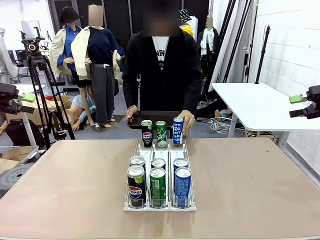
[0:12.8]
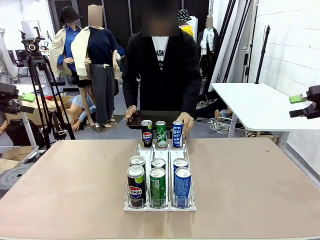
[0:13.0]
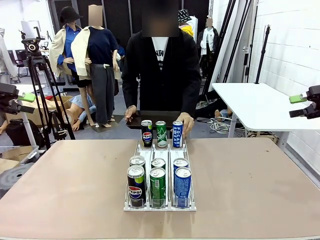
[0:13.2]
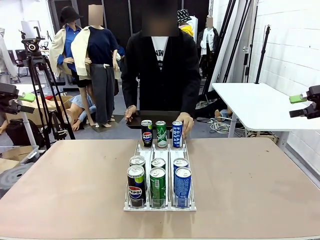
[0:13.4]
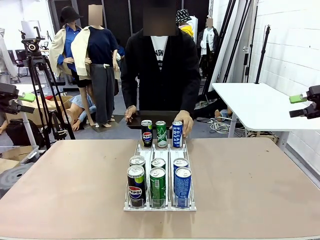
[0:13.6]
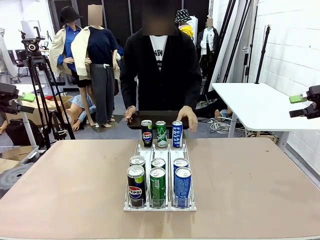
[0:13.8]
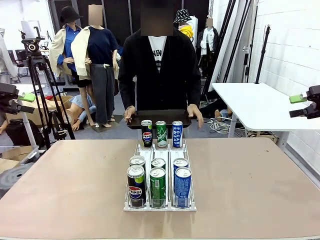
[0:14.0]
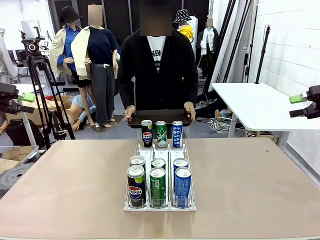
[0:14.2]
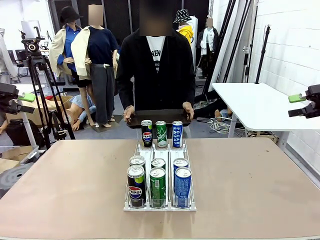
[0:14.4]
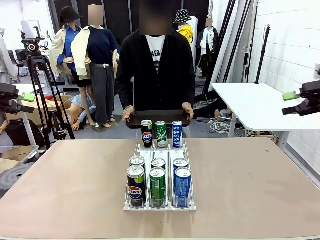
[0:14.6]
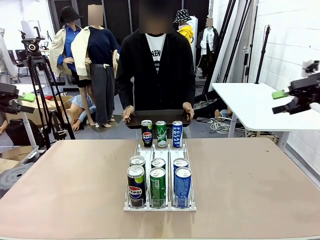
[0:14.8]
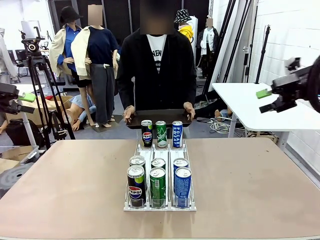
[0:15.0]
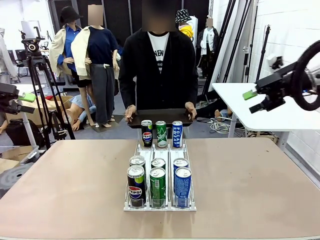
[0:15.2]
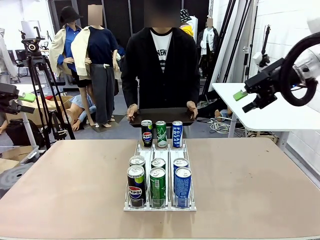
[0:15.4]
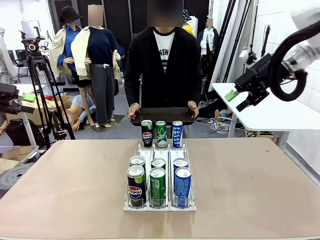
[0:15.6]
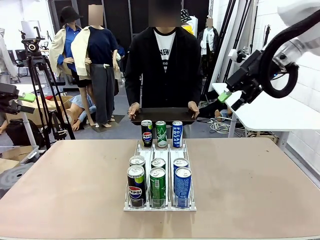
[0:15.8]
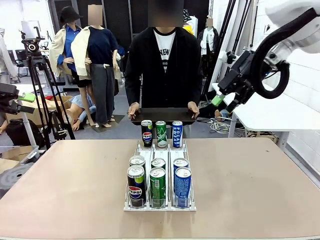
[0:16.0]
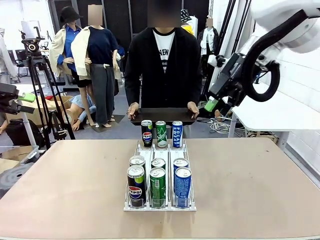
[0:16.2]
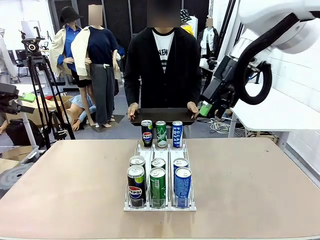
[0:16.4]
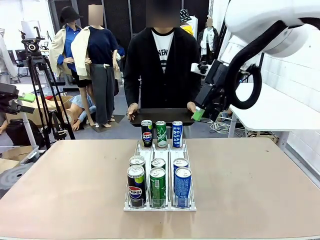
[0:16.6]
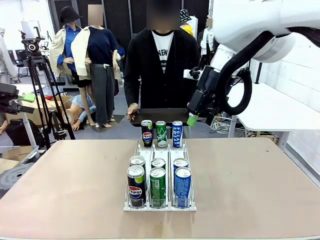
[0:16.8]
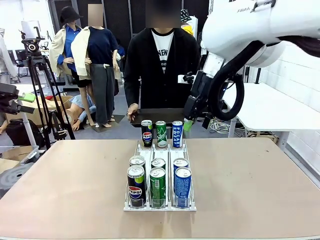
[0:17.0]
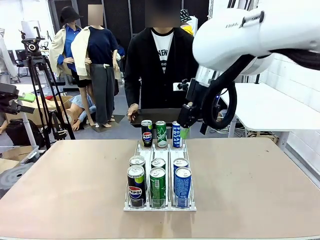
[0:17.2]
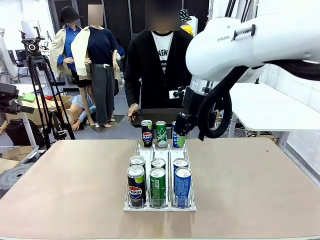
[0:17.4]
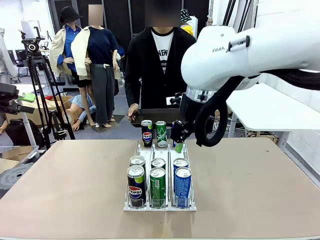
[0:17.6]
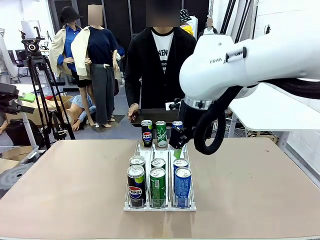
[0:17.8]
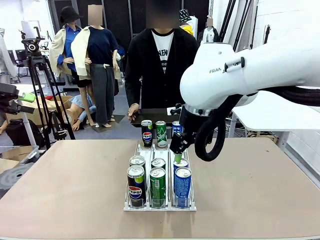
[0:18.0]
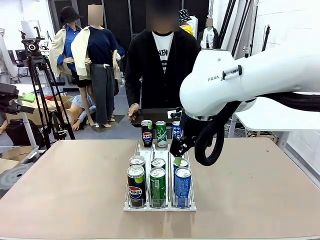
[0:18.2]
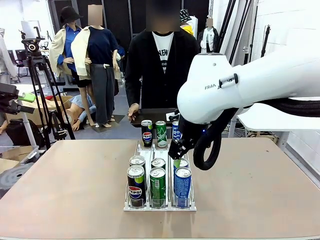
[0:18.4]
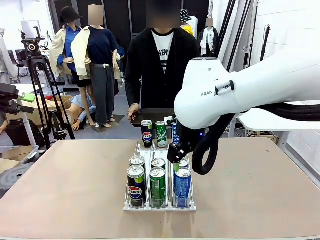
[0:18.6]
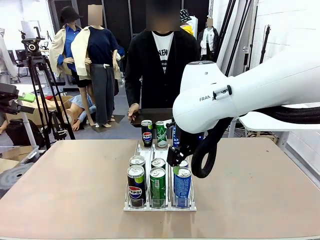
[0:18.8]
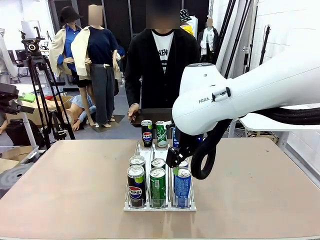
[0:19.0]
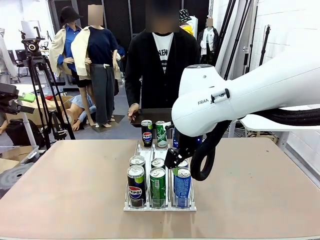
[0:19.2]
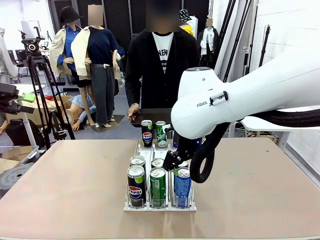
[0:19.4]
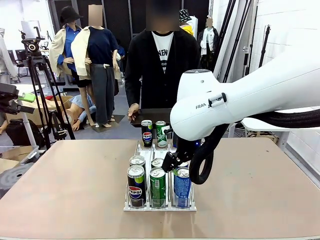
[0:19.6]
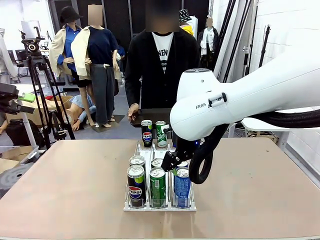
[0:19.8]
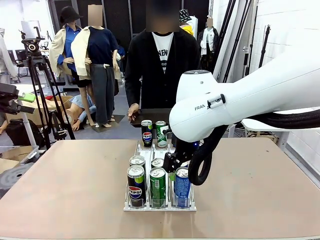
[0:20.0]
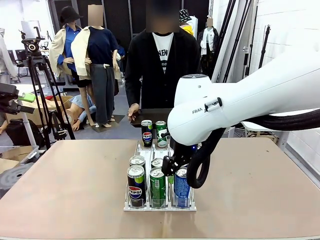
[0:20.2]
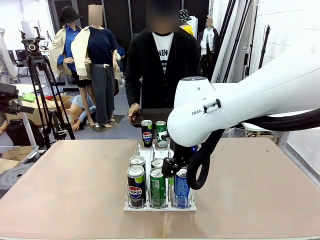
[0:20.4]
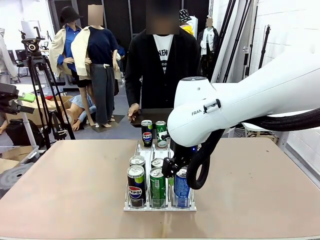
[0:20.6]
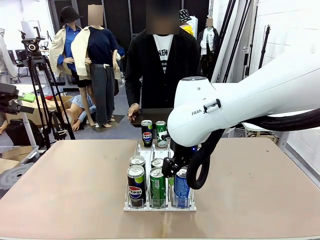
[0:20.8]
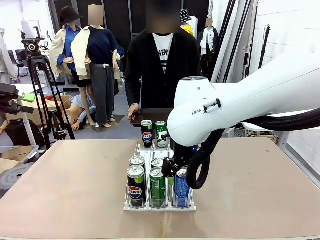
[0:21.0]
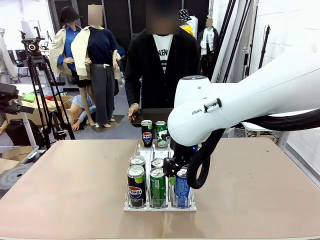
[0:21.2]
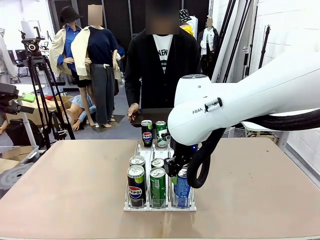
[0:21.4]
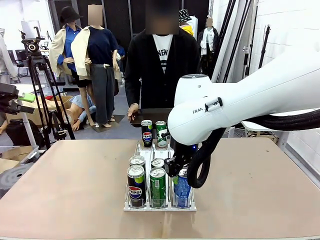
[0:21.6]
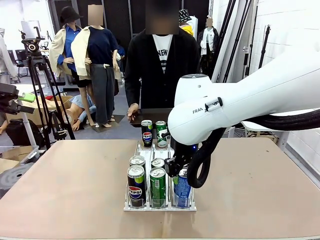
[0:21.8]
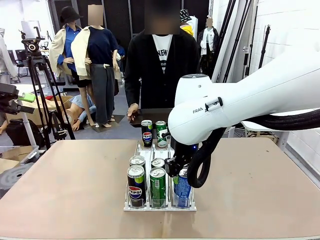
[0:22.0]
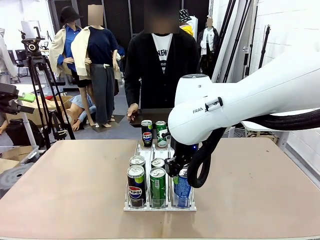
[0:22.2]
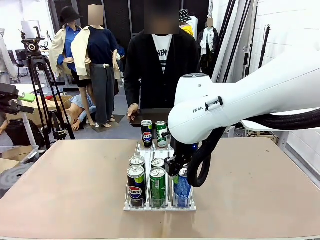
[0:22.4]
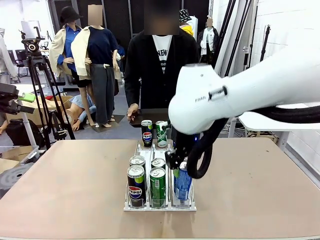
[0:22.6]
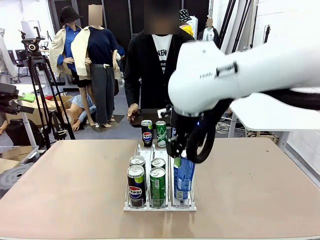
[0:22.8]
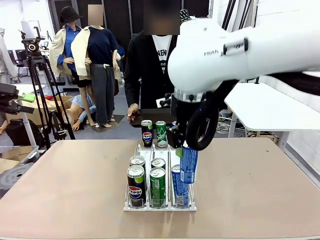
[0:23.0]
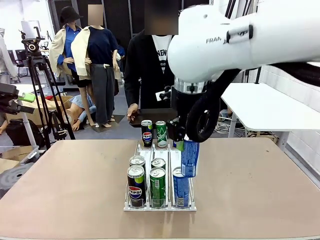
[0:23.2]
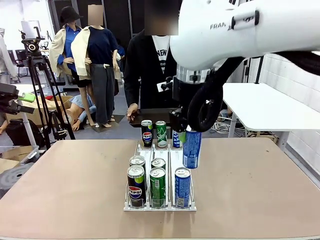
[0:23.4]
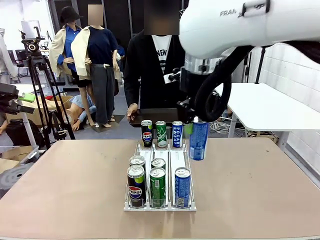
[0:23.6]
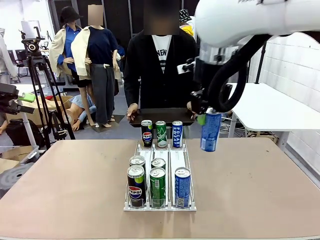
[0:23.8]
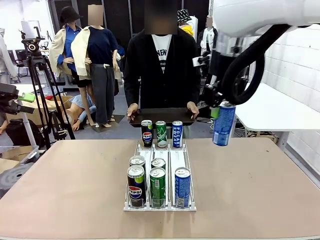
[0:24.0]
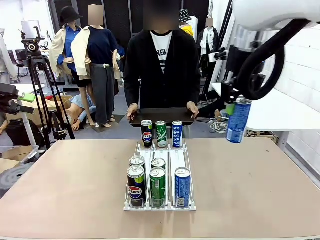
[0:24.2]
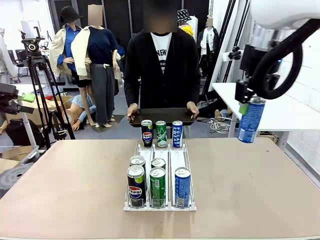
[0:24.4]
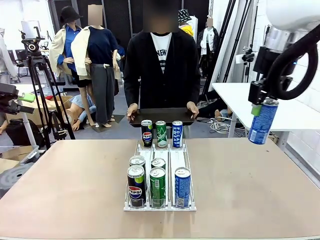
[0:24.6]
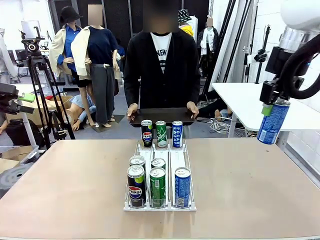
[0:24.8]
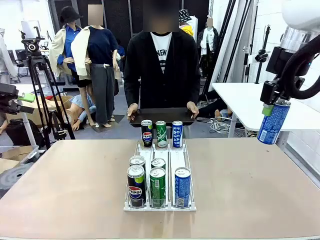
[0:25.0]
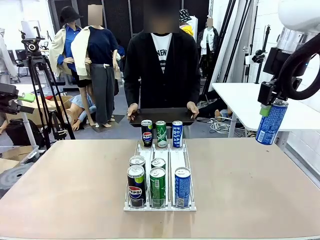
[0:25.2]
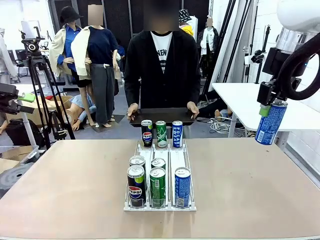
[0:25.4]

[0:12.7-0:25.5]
Task: Retrieve and hand over the desired beverage to the person.
Robot: Pick up a can of the same type that the person held from the Automatic Can Dispenser.
Person: Push the tray toward the robot.

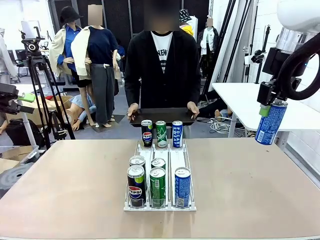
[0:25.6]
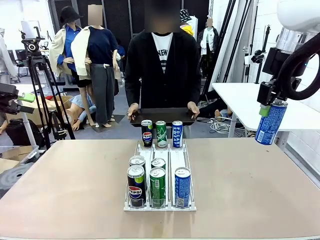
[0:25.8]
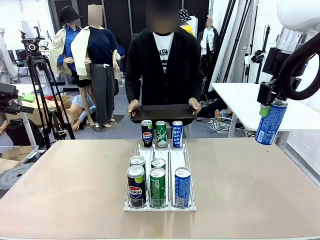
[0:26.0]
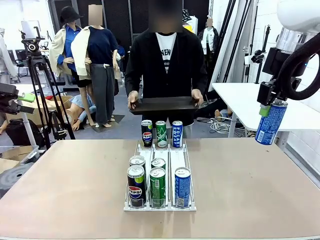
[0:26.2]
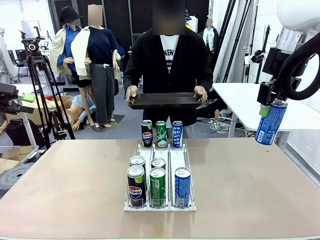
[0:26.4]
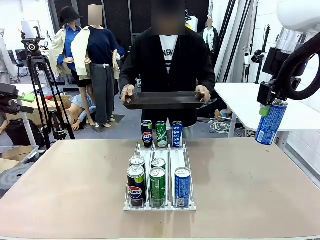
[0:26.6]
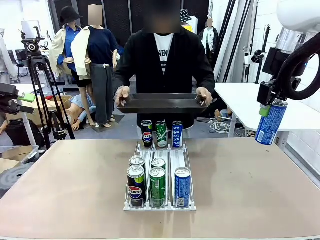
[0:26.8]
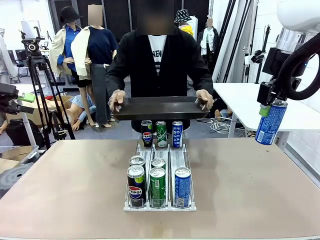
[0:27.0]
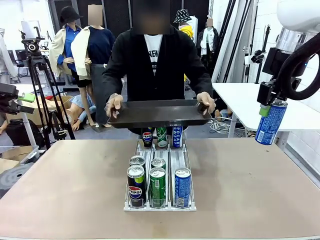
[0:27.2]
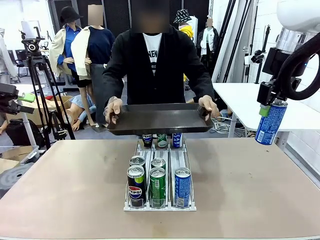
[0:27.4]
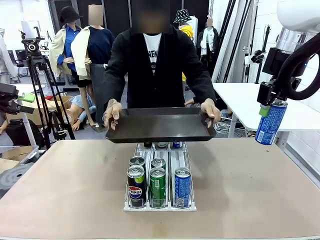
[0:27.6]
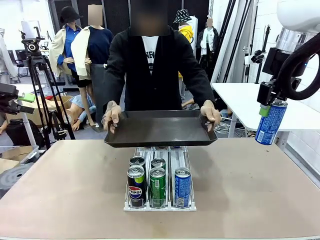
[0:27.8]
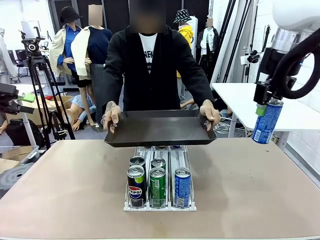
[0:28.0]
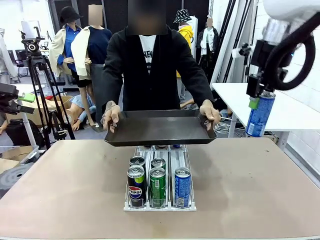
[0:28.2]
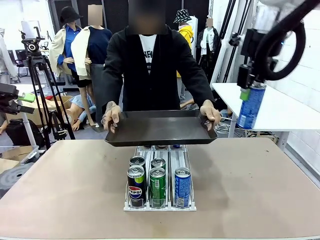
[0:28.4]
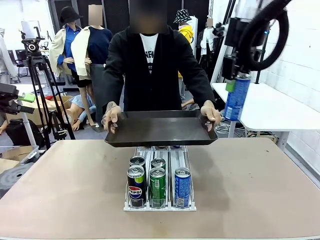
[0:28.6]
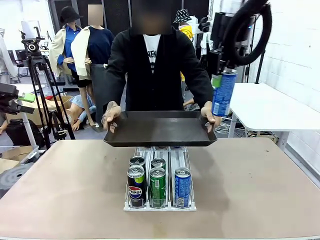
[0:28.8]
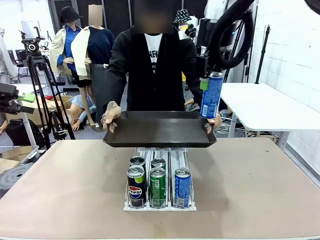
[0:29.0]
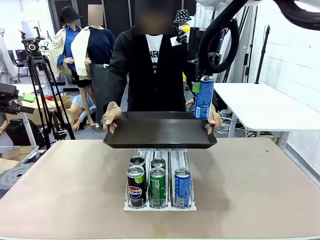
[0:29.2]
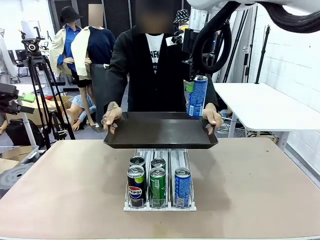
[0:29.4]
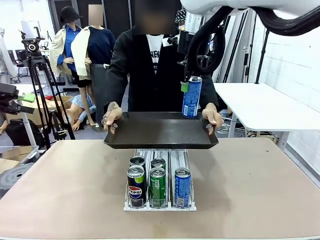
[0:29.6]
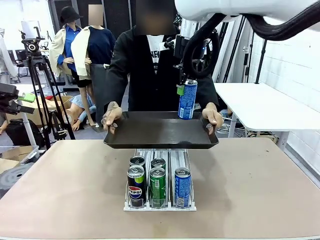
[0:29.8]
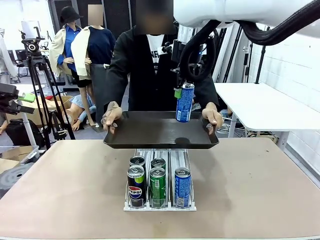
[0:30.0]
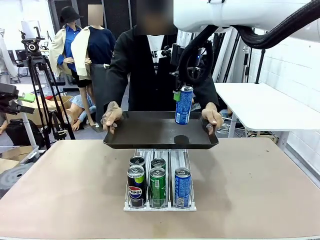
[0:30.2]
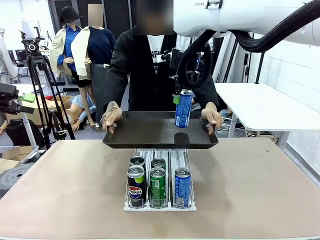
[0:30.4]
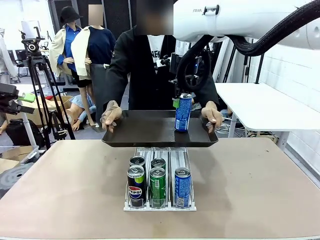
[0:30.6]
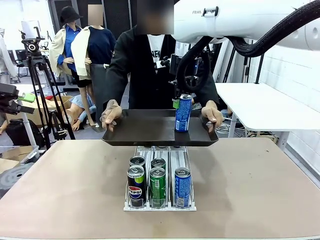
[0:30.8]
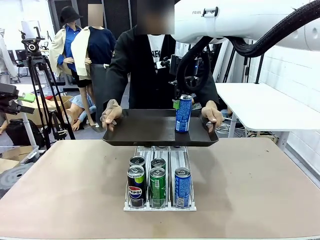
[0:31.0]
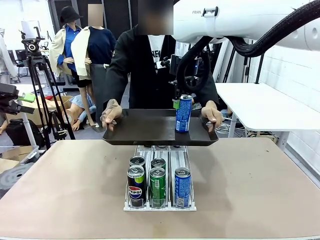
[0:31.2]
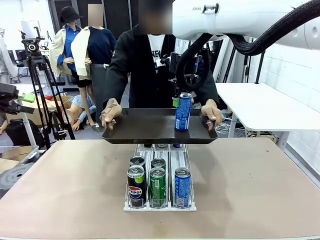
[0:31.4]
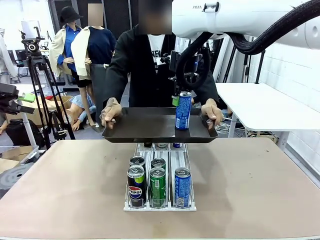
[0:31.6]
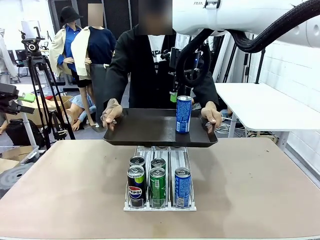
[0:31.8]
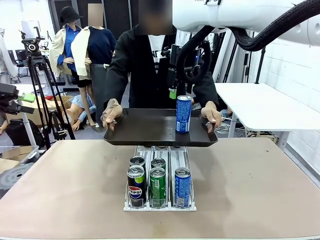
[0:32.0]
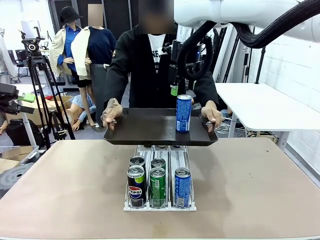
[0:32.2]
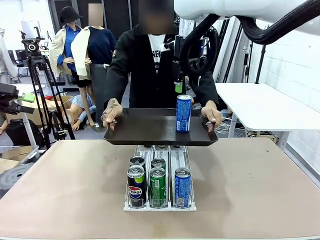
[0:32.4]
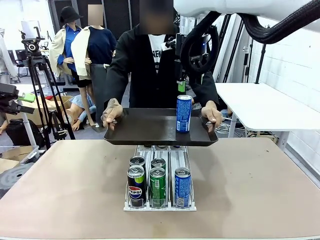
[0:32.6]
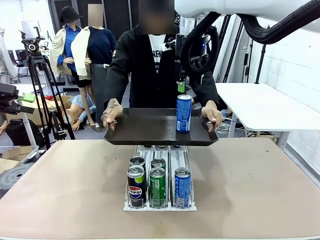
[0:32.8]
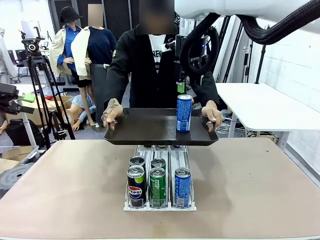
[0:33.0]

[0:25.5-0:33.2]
Robot: Place the picked can on the Handle tray extended by the person.
